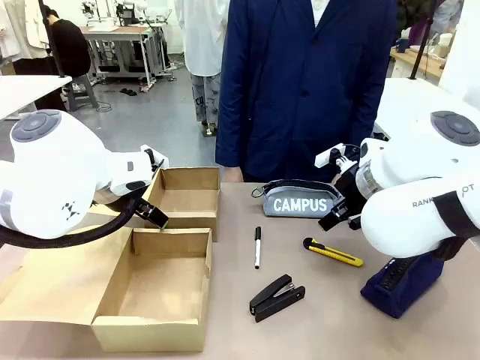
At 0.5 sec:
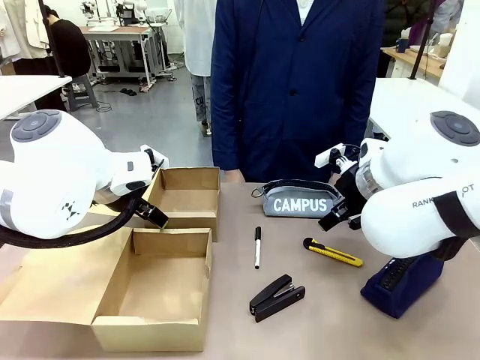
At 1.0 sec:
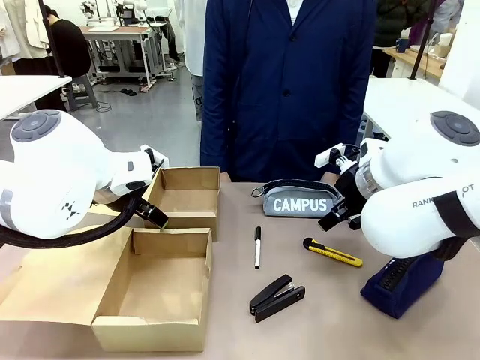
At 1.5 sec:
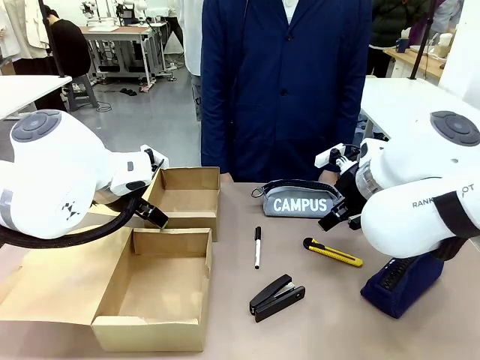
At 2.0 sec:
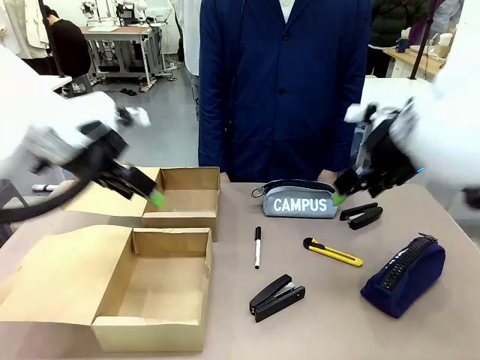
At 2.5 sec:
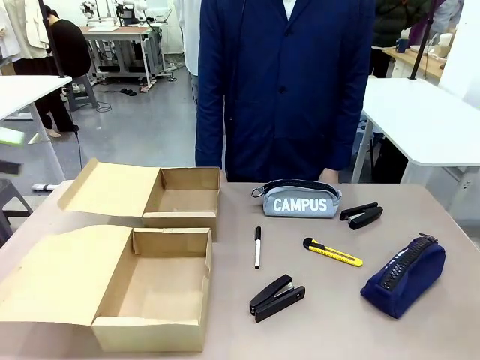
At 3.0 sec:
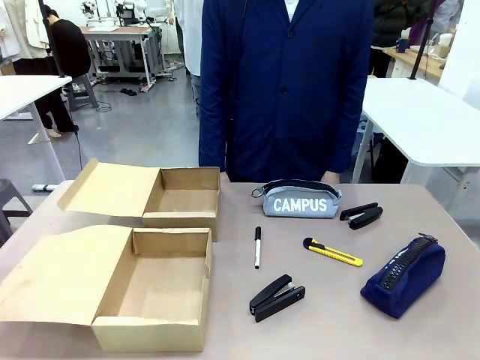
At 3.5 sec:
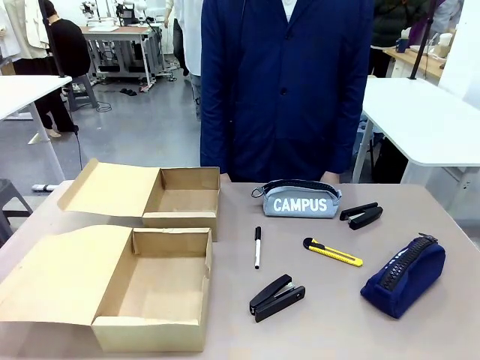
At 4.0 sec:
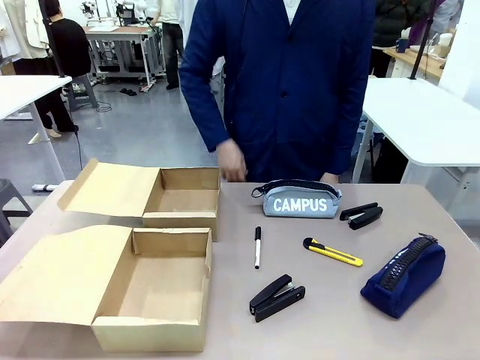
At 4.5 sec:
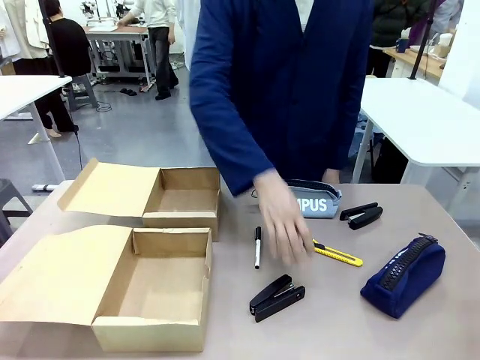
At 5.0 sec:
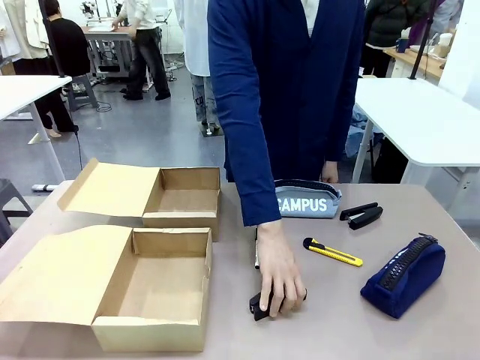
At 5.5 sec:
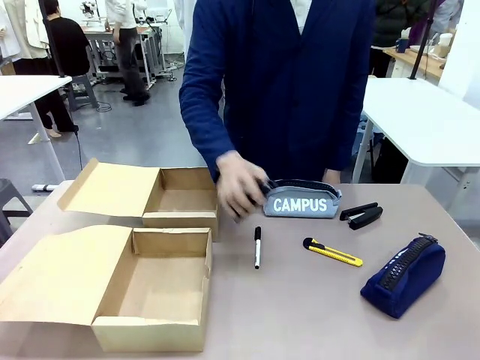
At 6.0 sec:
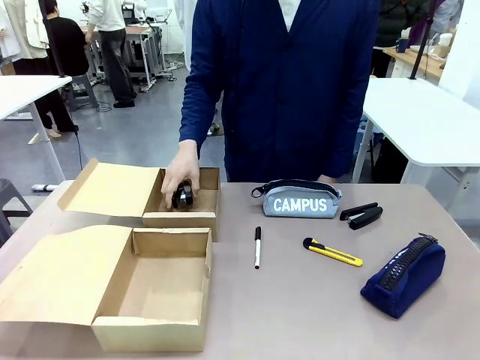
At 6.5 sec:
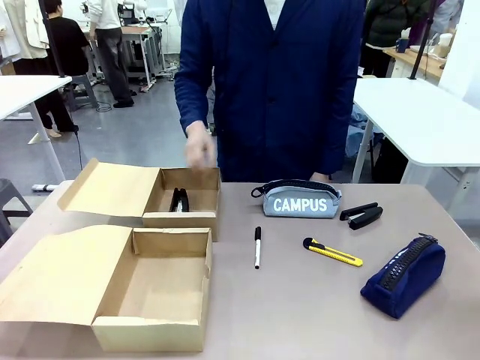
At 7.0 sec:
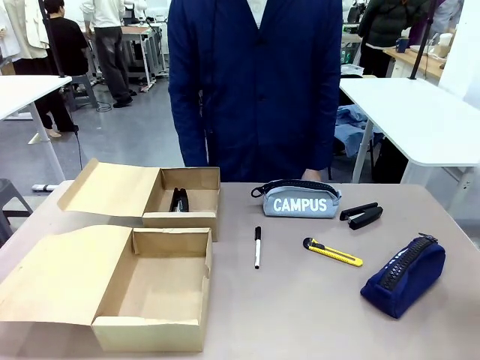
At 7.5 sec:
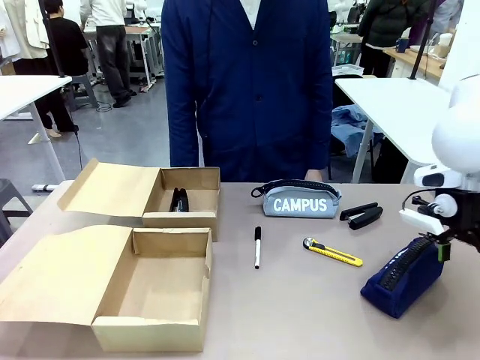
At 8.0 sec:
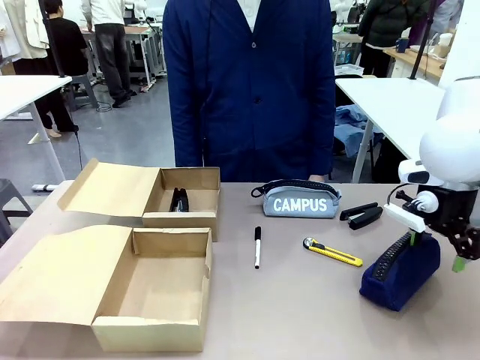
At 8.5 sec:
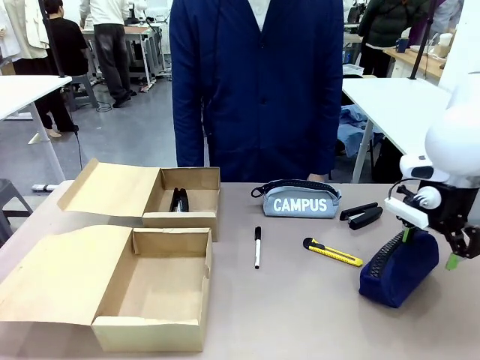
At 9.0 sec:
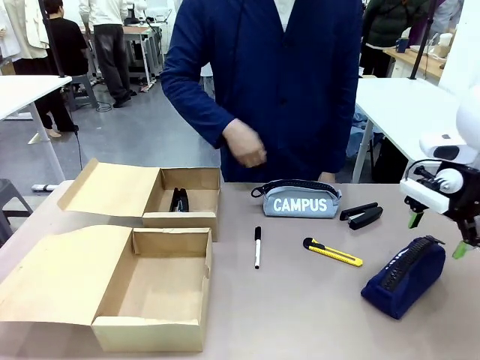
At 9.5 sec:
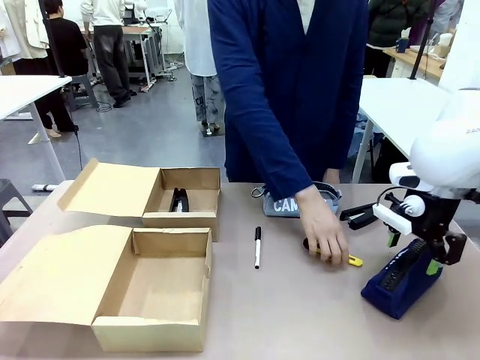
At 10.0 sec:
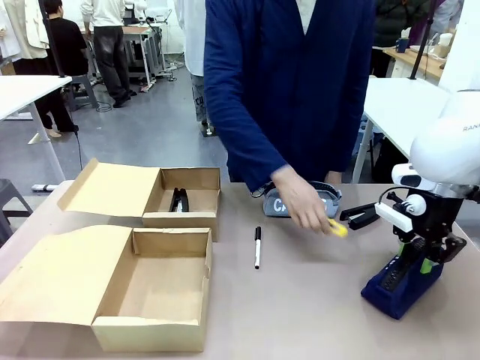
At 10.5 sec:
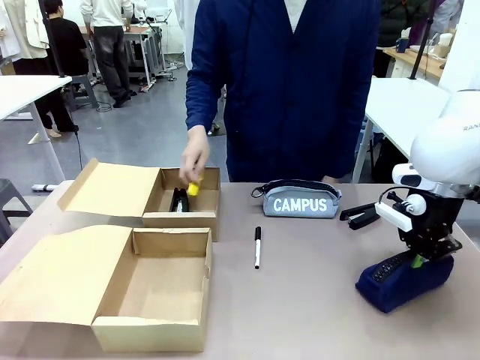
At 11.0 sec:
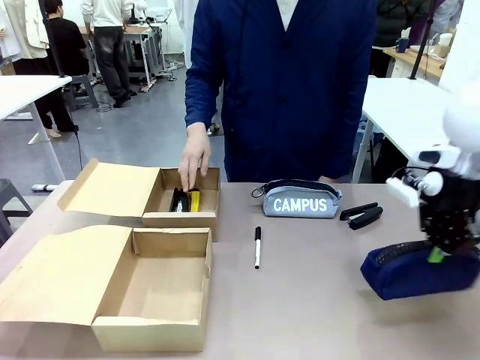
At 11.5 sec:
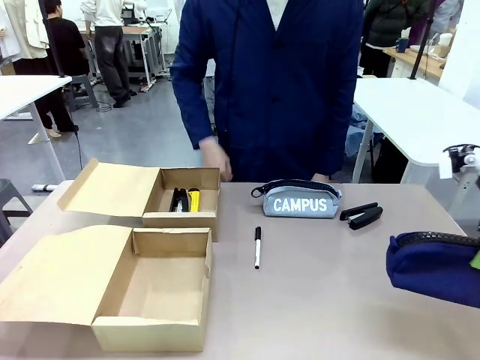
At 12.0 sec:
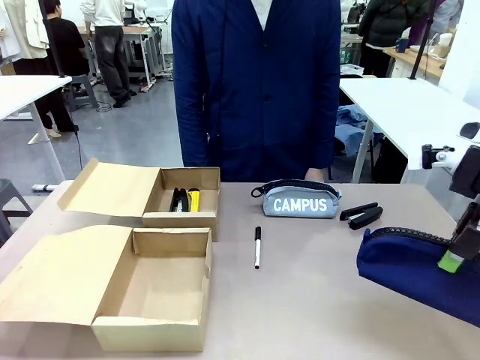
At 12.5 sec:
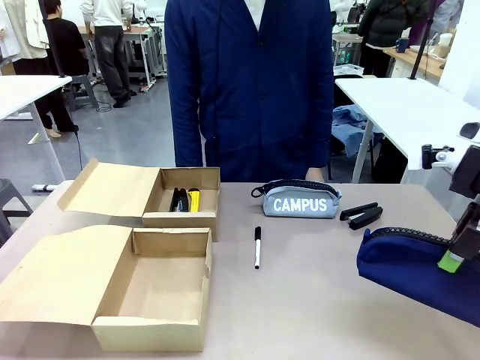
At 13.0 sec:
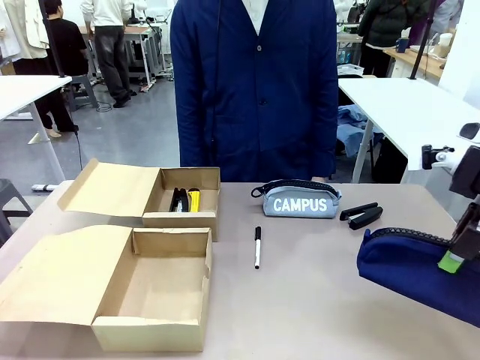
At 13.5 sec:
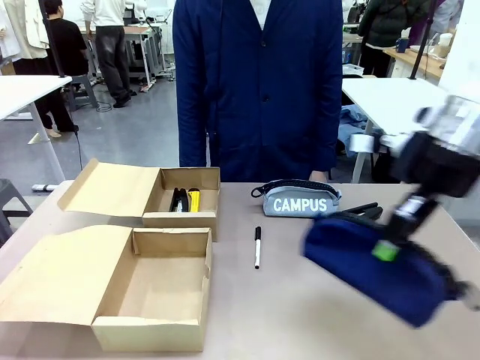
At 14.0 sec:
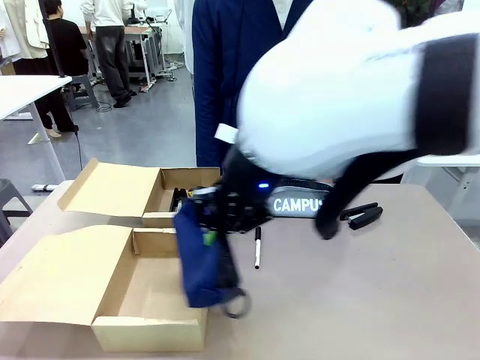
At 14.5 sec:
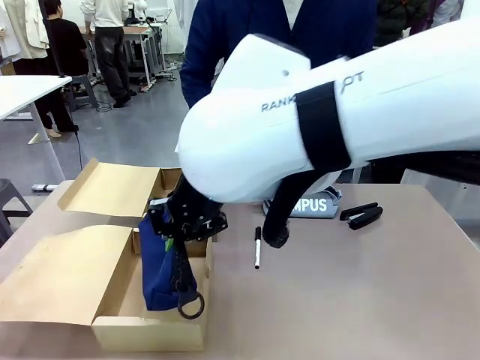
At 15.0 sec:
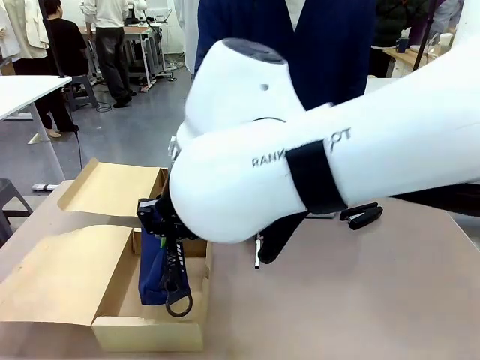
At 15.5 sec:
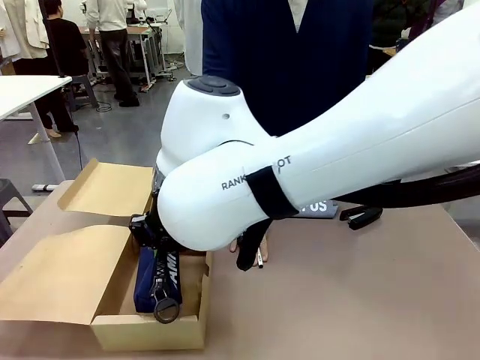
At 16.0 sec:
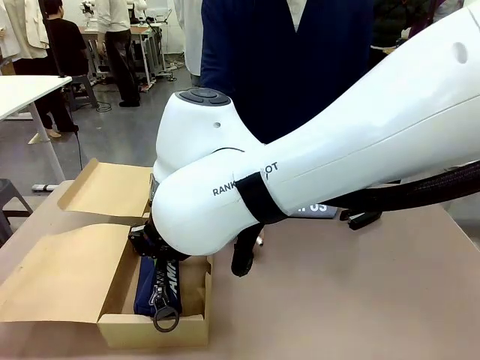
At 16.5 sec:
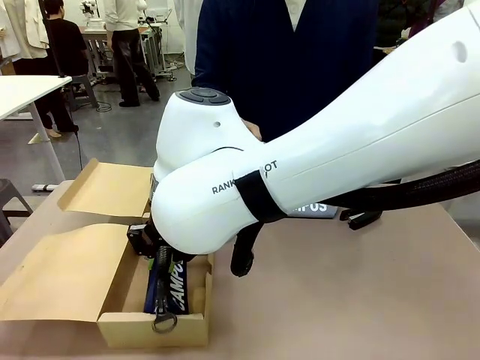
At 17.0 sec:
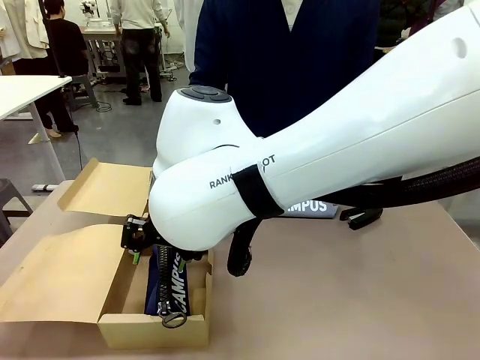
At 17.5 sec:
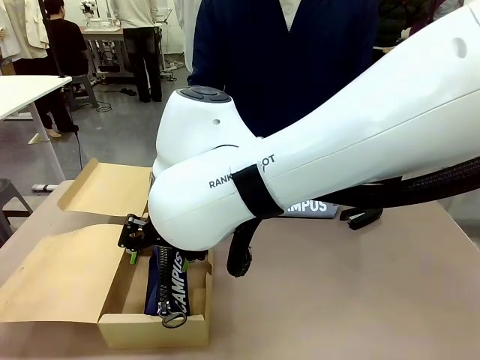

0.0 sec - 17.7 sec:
Task: Place items inside the box.
Robot: Pick up a Pencil pouch or Stapler and place it inside the Mailer Box closest to the robot.
Person: Pick up an object on the table and put it in the box.
